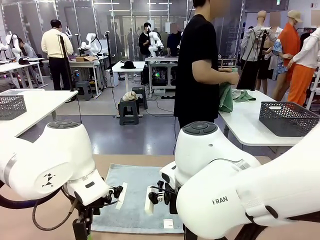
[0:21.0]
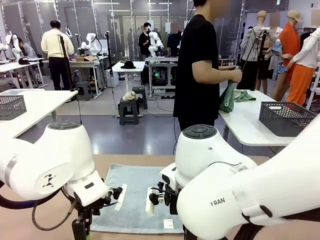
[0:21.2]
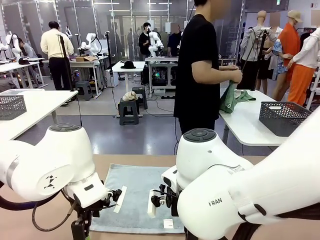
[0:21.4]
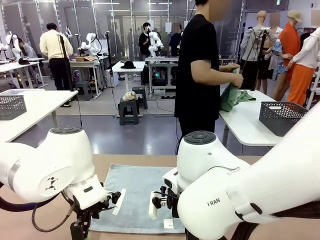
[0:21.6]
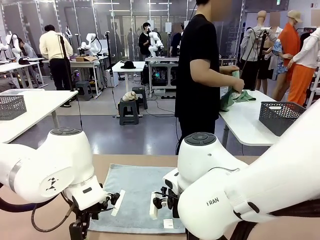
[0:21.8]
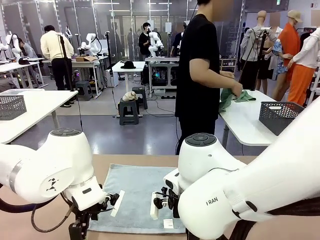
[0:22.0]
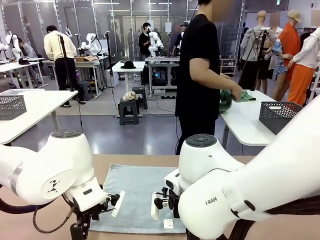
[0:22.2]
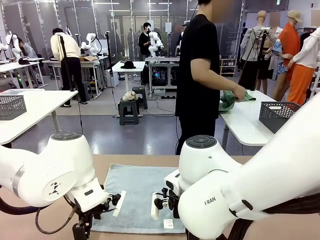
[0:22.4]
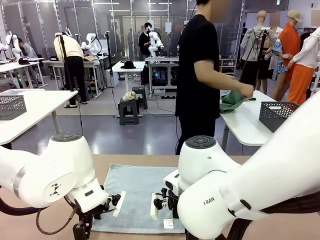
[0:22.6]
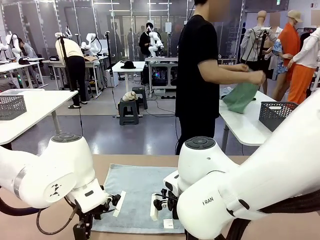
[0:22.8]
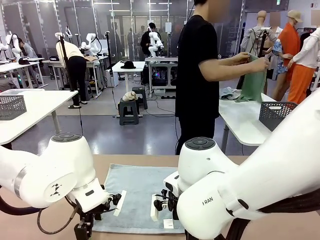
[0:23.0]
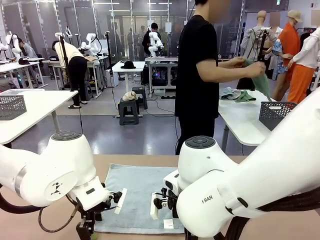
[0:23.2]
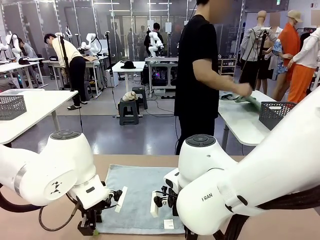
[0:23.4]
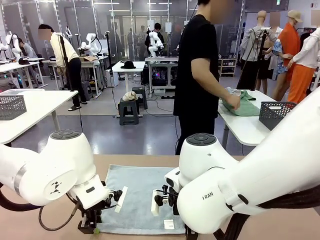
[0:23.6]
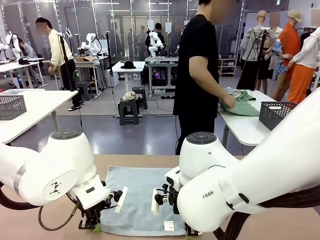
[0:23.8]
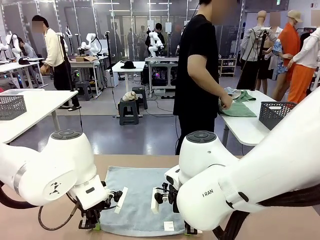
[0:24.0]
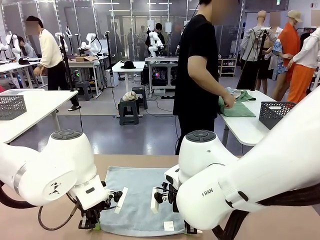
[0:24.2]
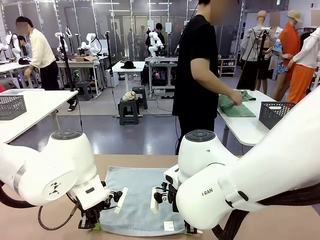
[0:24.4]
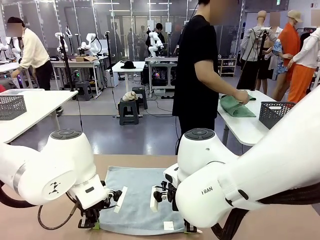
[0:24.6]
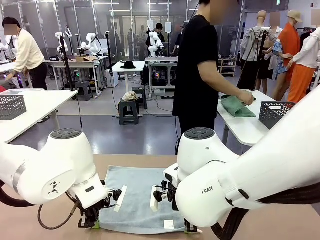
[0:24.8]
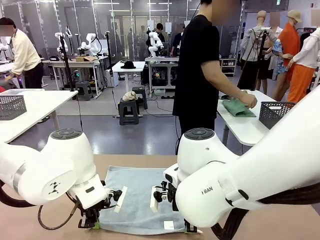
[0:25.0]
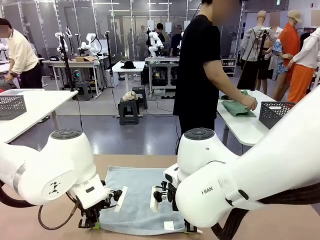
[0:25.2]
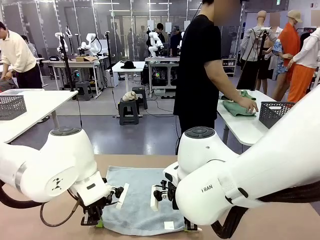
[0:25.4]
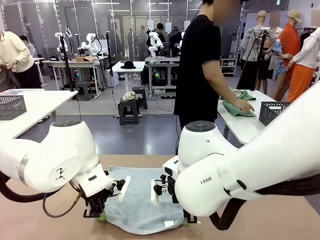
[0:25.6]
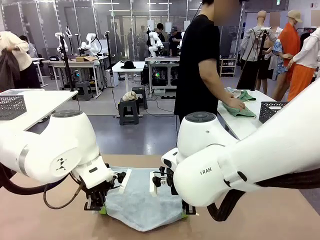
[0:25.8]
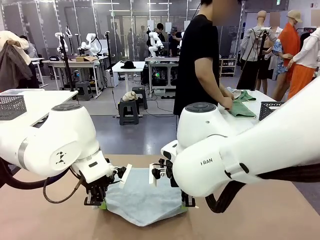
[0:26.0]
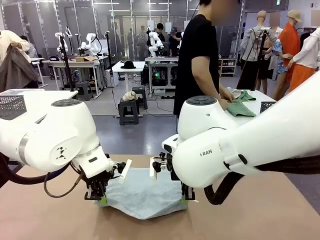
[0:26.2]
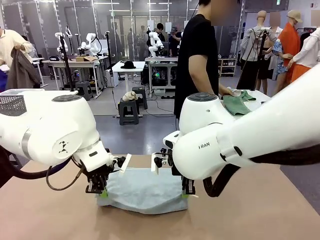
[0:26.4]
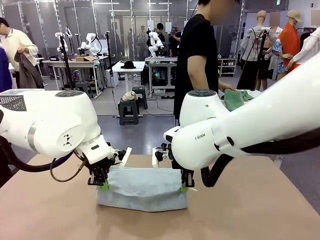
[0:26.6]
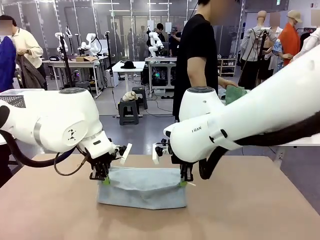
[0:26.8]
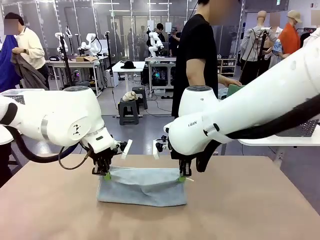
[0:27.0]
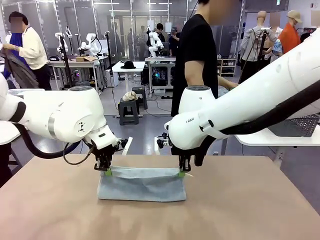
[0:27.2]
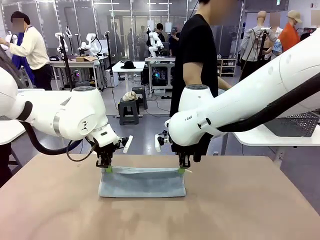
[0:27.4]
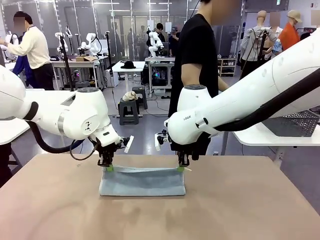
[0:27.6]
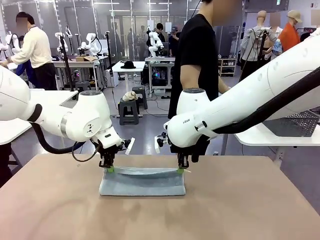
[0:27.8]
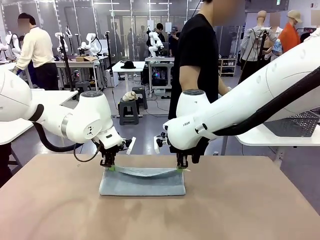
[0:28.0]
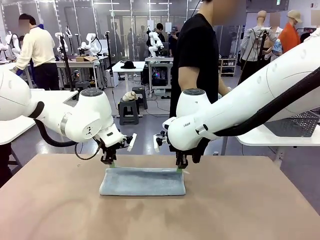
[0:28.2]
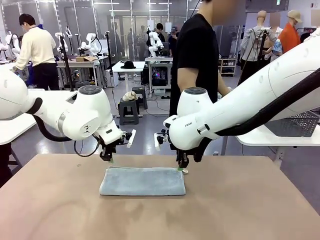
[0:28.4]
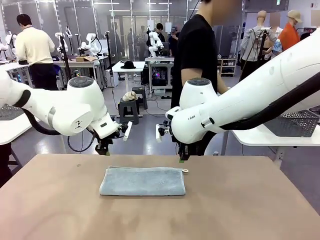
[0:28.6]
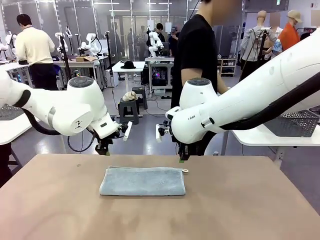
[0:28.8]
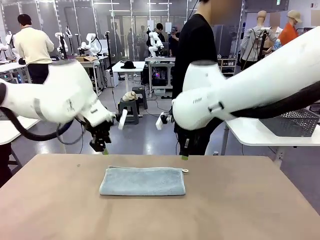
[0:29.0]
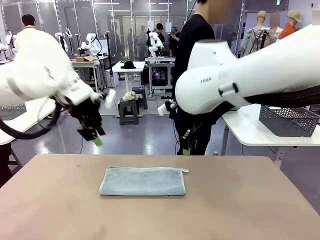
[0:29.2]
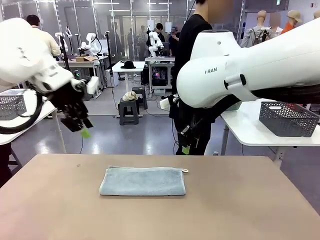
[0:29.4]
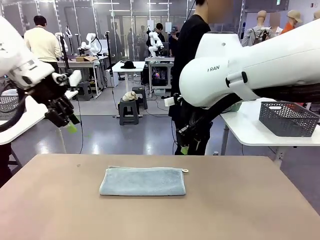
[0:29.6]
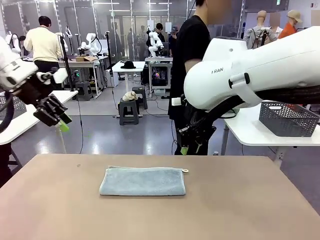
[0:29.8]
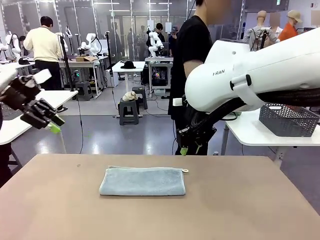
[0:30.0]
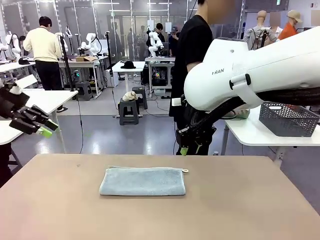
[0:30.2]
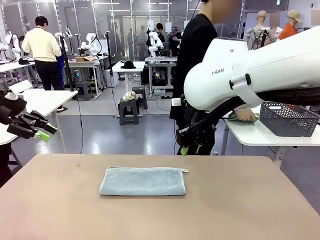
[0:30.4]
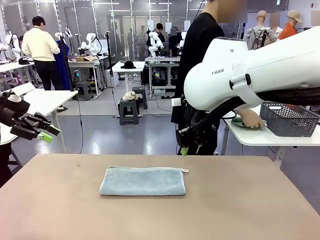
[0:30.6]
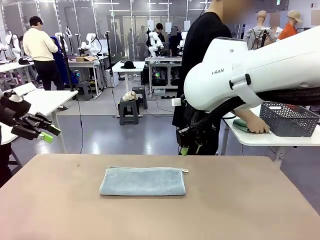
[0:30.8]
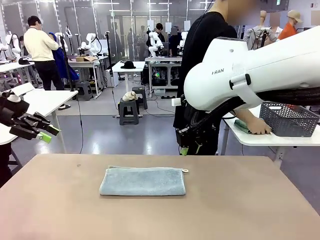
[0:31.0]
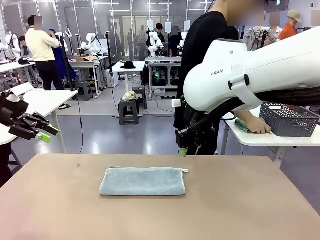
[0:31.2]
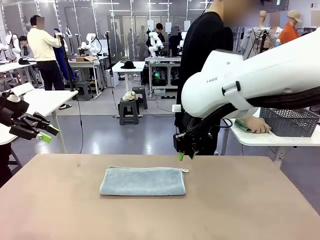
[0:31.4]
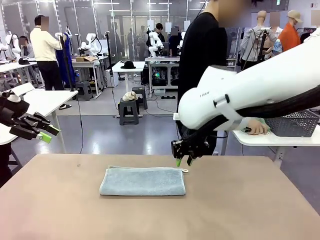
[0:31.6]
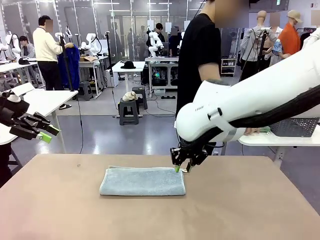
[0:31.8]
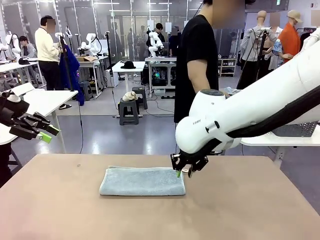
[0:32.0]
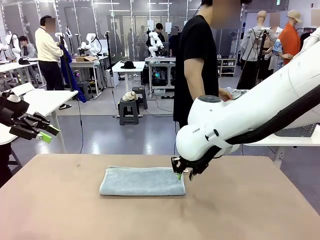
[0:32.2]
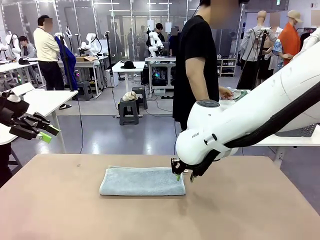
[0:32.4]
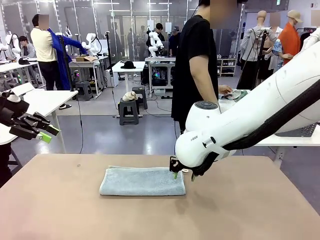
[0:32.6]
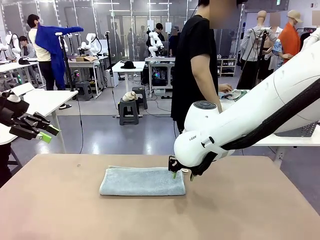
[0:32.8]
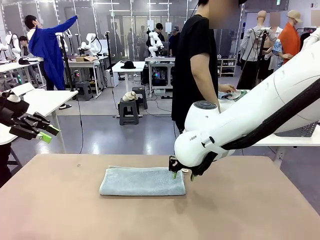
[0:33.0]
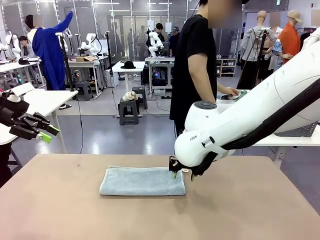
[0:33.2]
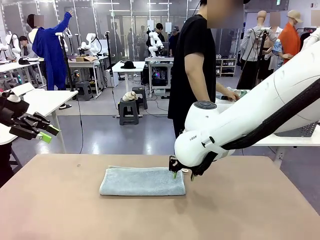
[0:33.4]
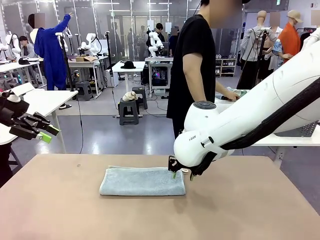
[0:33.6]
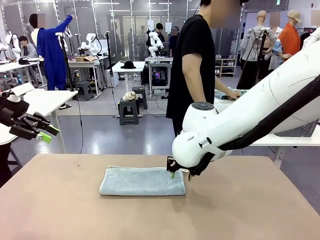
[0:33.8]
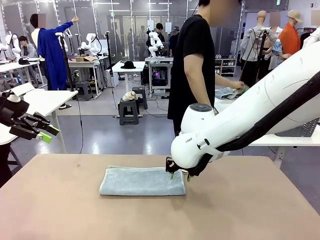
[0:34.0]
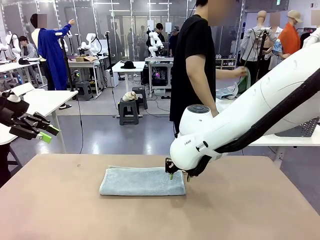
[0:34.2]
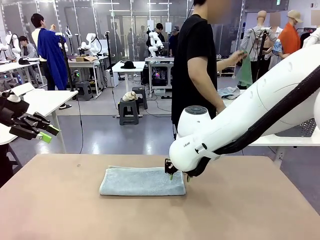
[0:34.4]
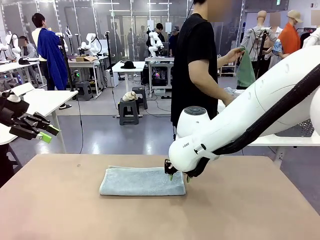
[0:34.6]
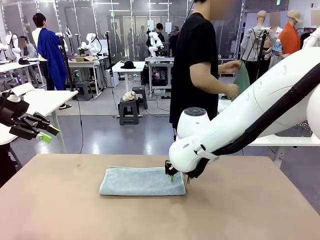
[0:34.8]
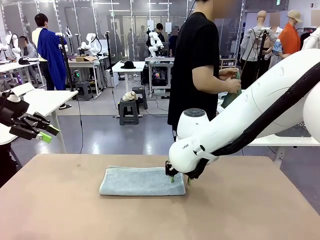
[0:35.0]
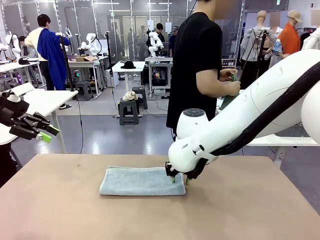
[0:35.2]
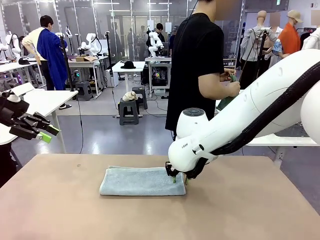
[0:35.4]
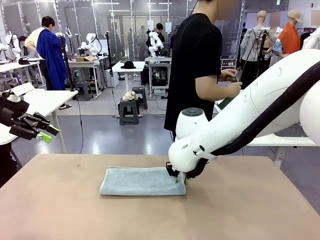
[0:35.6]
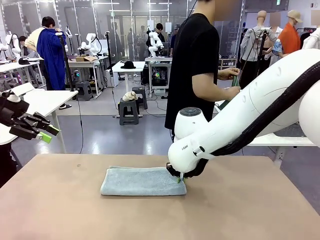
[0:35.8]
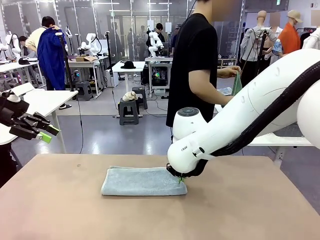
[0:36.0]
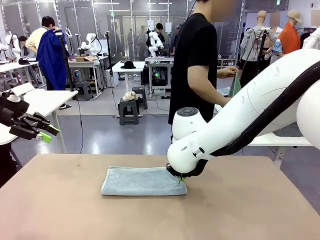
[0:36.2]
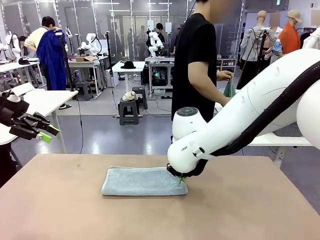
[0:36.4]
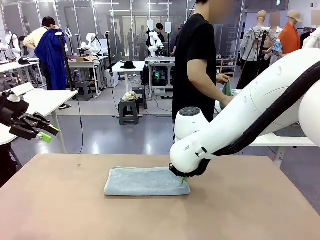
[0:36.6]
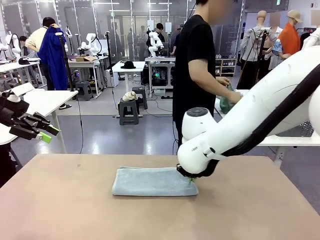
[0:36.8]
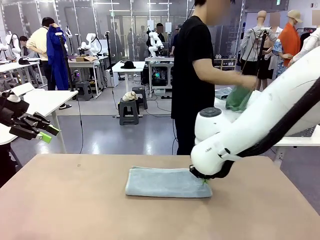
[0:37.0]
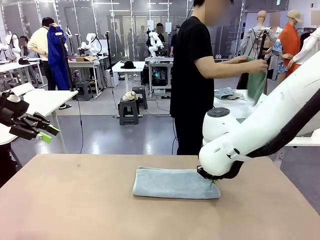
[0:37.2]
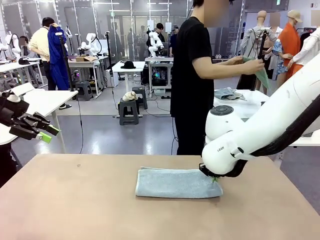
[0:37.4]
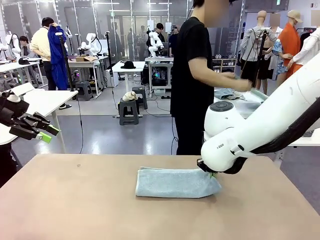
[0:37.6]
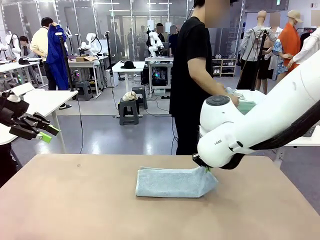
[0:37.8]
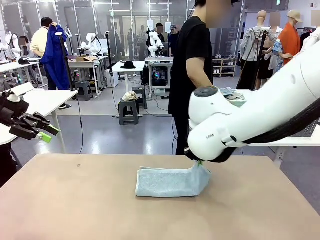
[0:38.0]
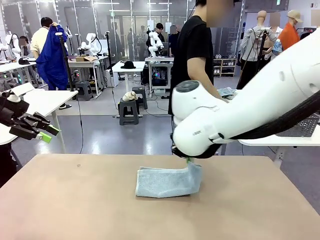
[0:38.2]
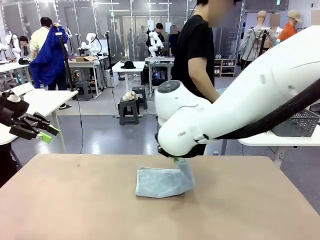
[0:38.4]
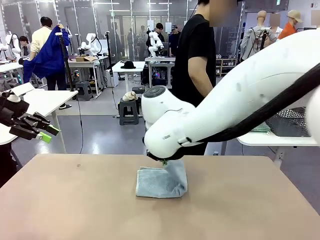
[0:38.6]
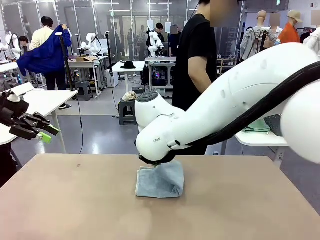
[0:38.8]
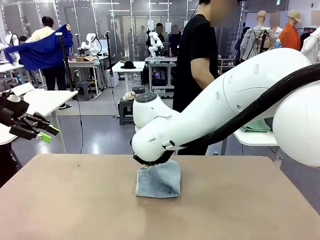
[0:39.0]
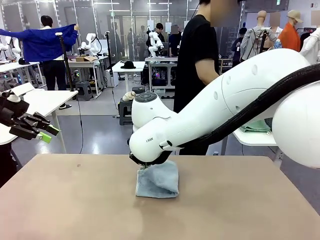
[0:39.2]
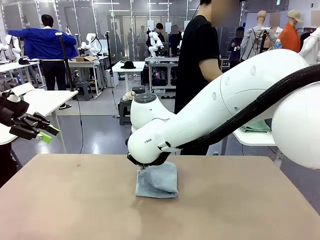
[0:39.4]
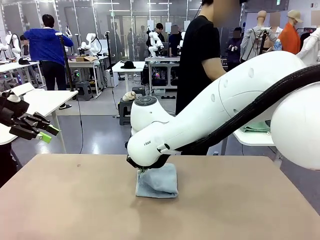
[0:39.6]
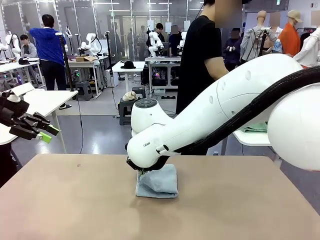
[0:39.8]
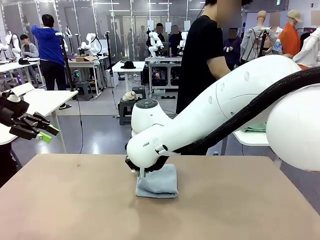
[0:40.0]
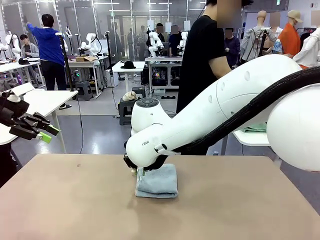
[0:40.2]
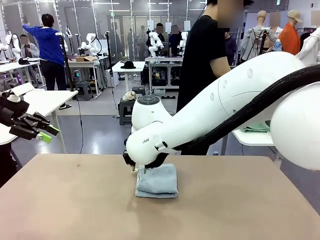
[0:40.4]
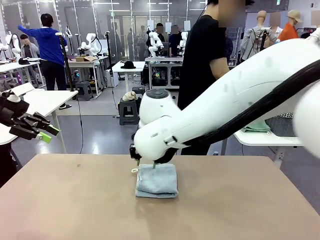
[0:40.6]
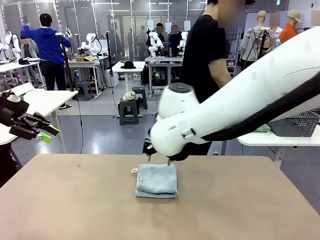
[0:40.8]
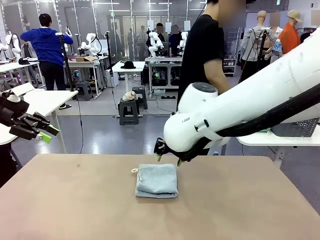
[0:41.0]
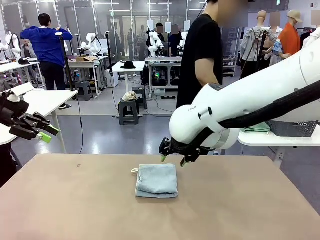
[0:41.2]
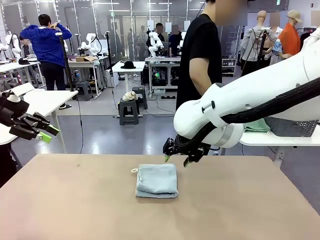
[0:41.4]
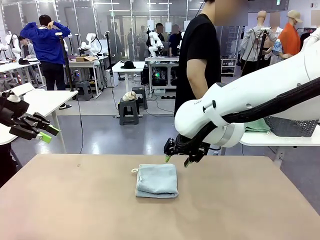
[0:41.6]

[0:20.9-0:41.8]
Task: Fold the towels and place them in the basket.
Robot: When a person lays out a Towel with hook on the table, fold it in half twice.
Person: Pick up one towel from the left side of the human table, fold it in half twice, and place it on the right side of the table. Pick up one towel from the left side of the human table, fold it in half twice, and stack it on the right side of the table.
